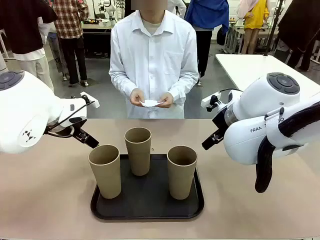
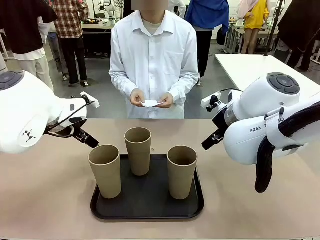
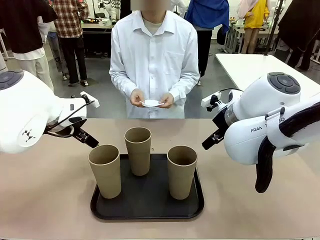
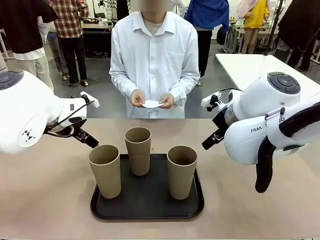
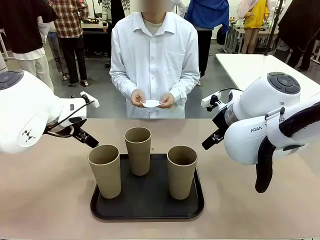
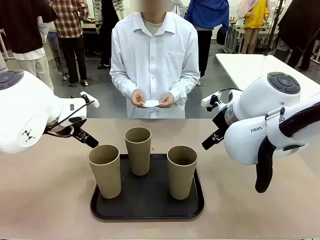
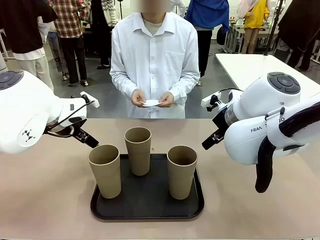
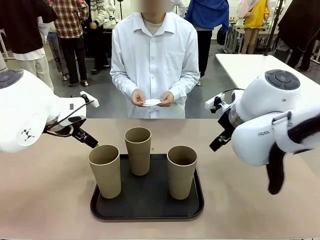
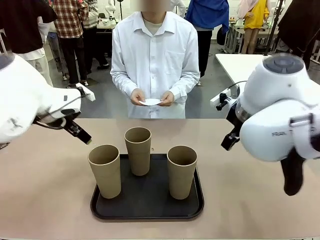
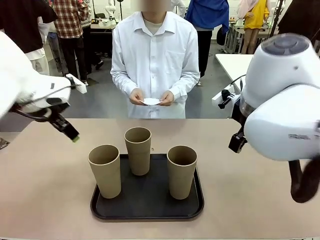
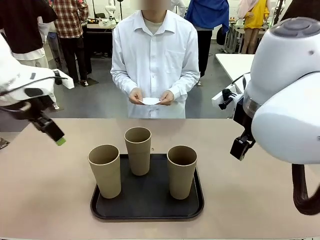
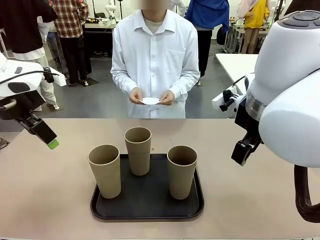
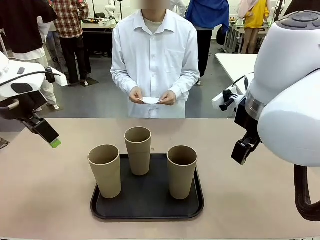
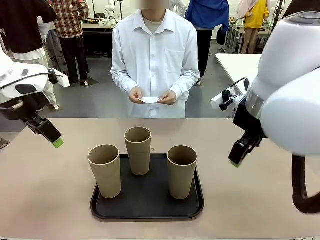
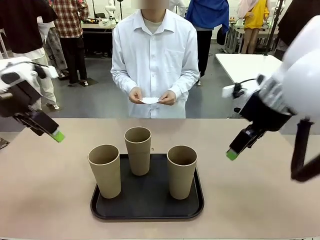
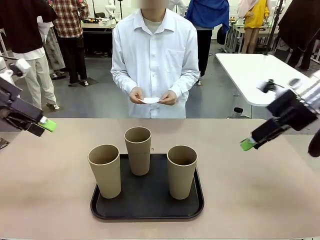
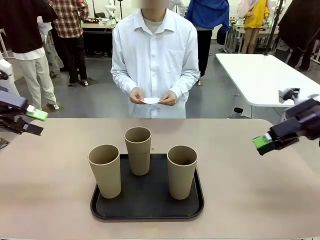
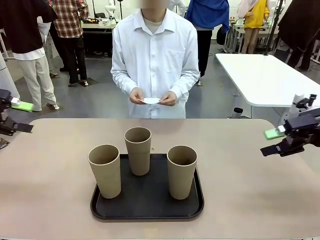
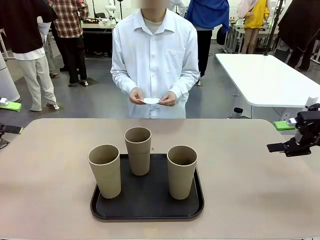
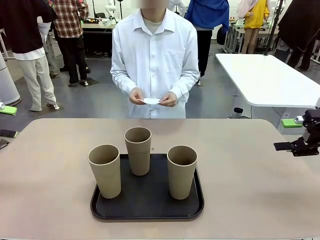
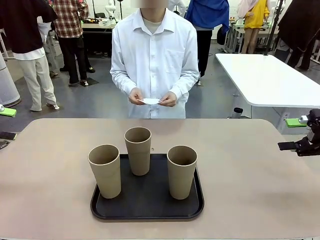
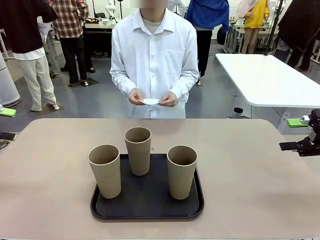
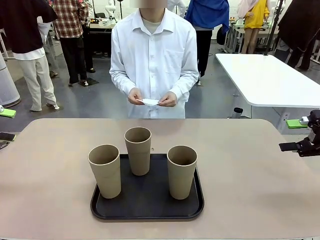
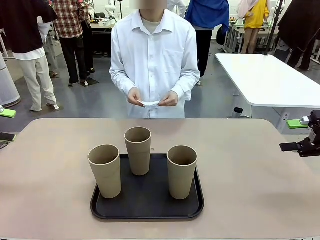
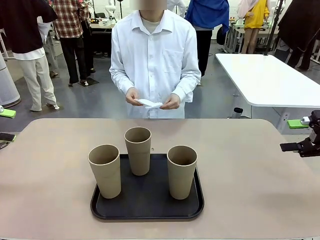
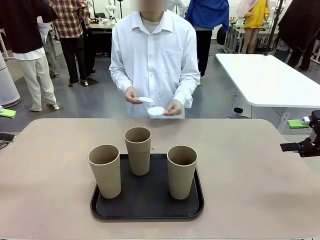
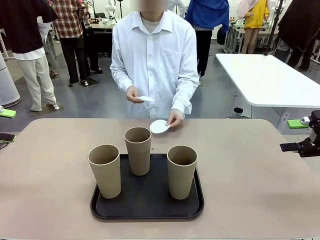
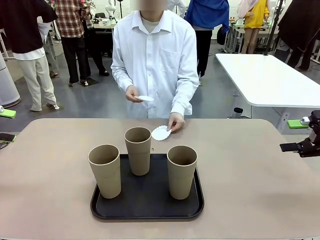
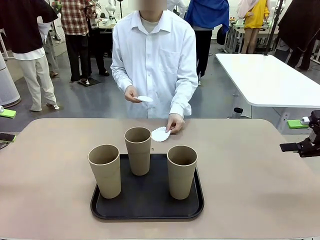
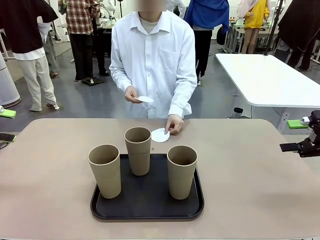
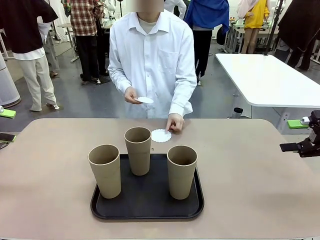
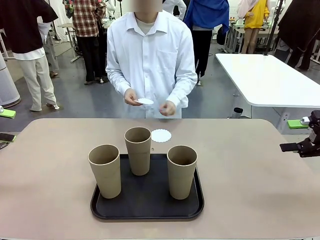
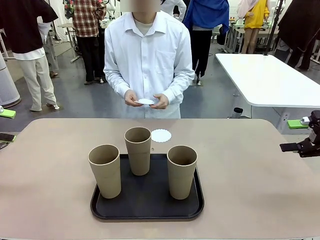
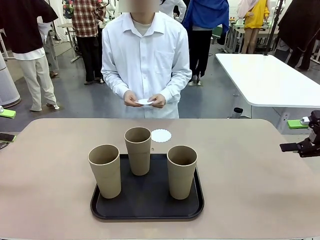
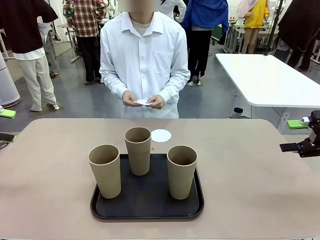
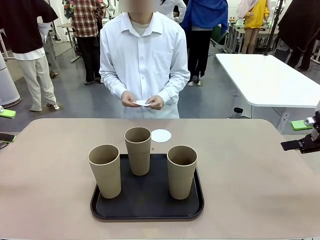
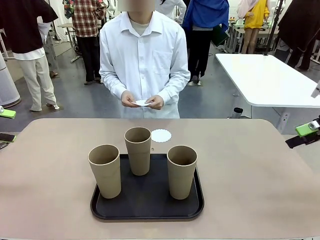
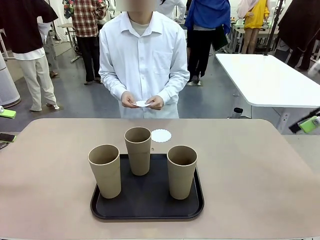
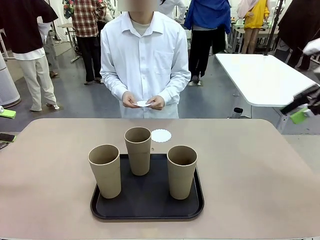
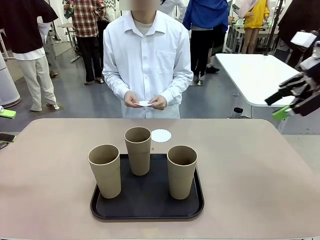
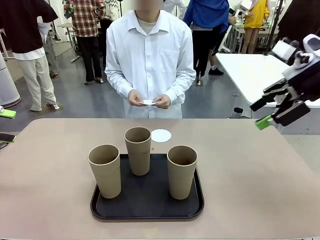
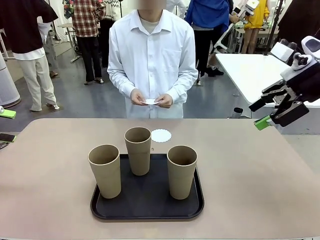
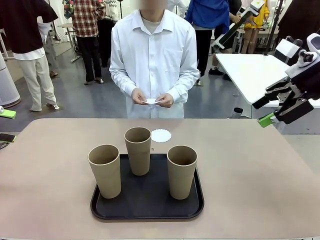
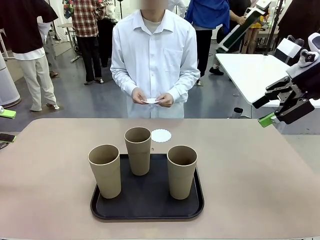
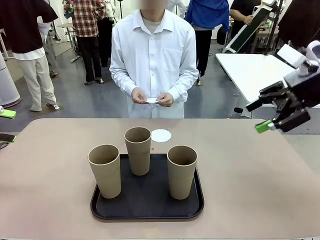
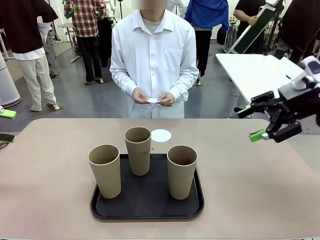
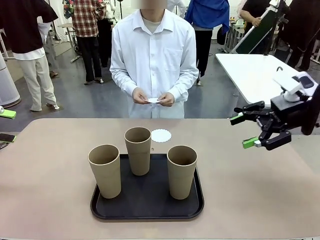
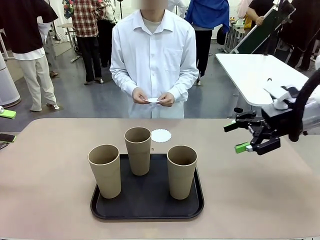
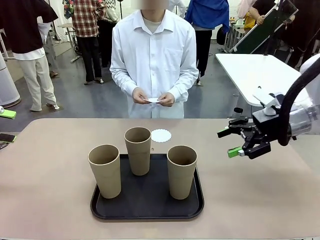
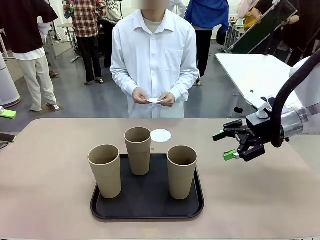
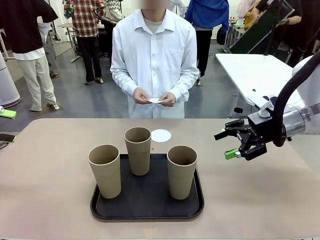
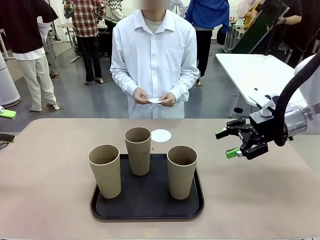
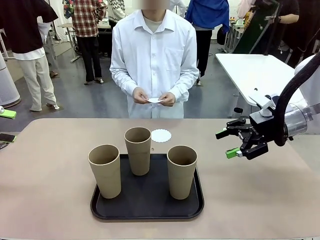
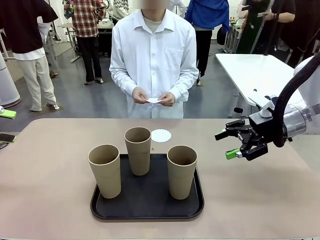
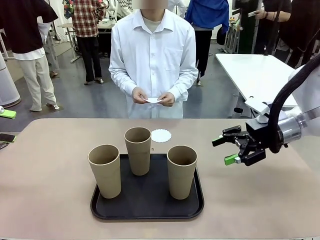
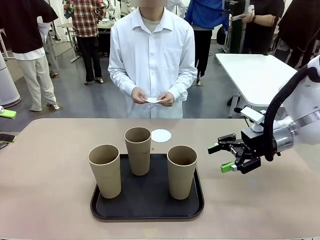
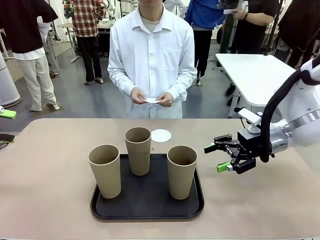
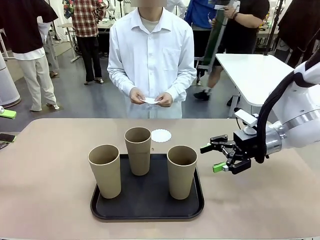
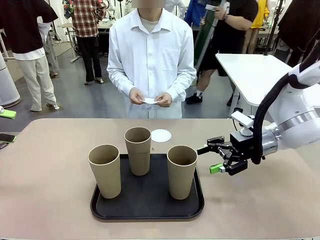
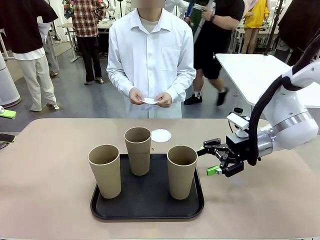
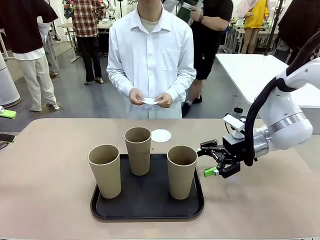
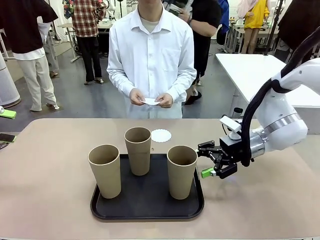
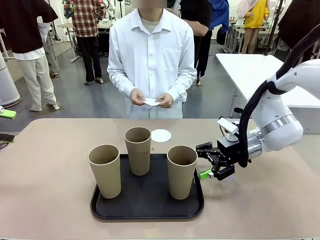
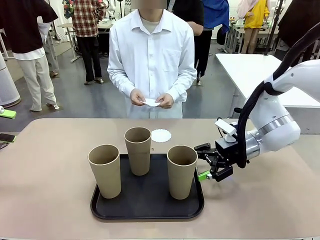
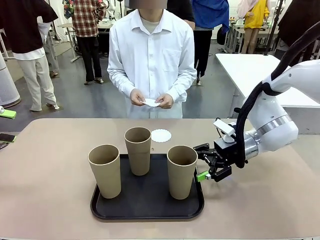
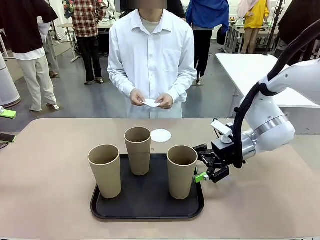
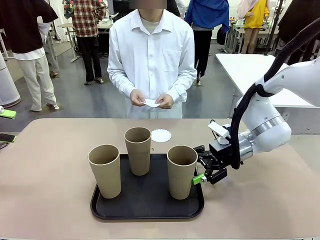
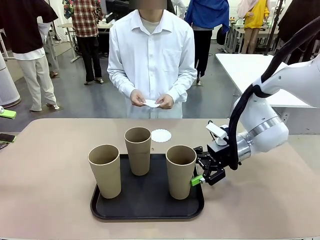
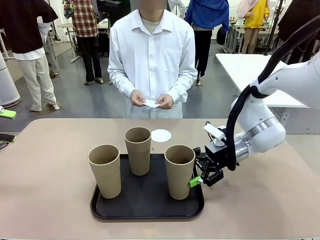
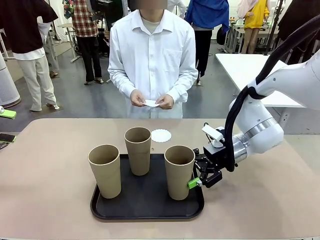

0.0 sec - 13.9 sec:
Task: Place coasters on the table and set cups on them.
Robot: Pick up one Reusable plastic cup and place it on a coaster set by the human.
Person: Place one coaster in any one of the three lower areas of the robot table (left, center, or right).
